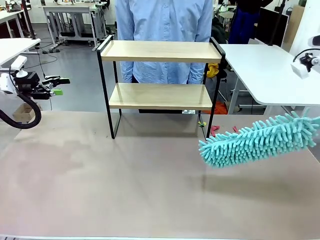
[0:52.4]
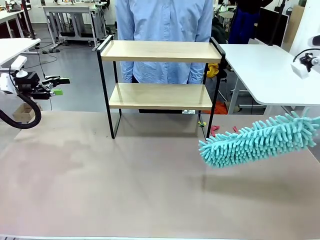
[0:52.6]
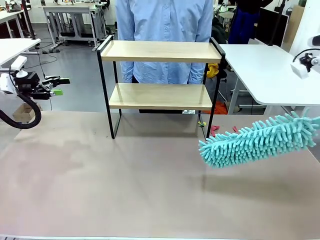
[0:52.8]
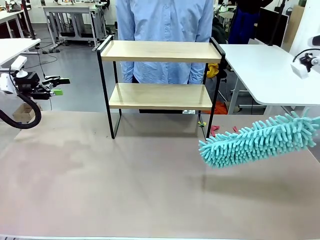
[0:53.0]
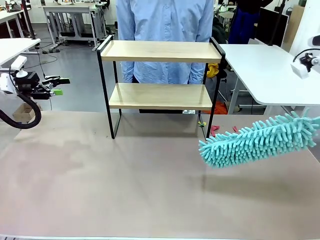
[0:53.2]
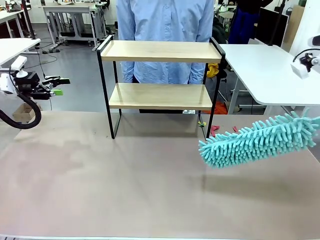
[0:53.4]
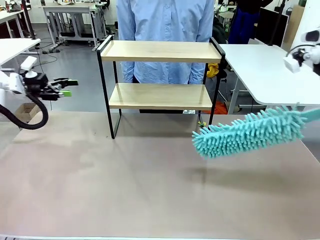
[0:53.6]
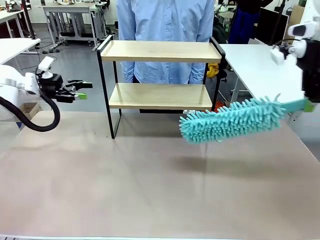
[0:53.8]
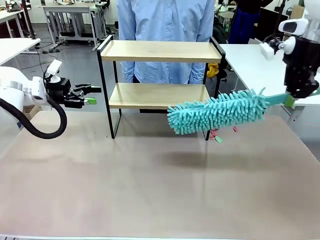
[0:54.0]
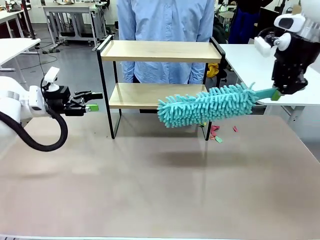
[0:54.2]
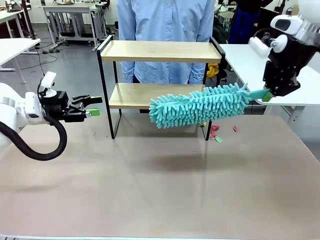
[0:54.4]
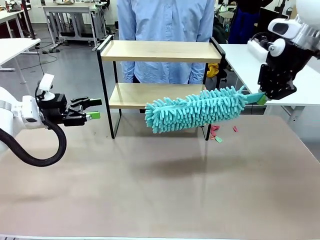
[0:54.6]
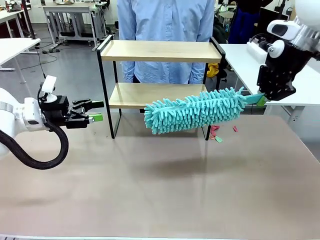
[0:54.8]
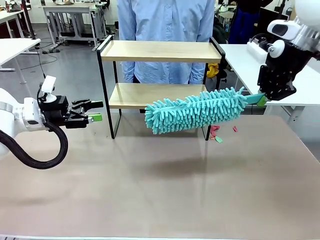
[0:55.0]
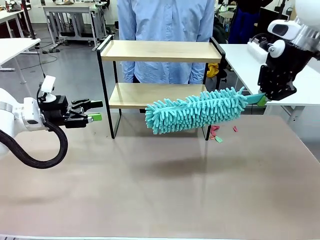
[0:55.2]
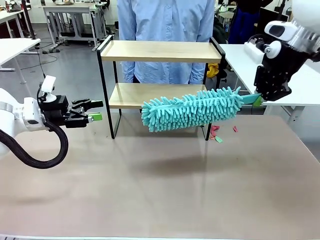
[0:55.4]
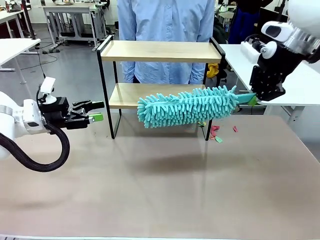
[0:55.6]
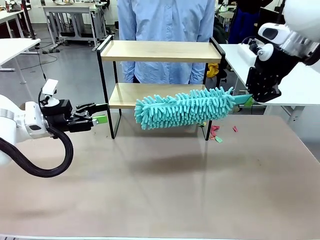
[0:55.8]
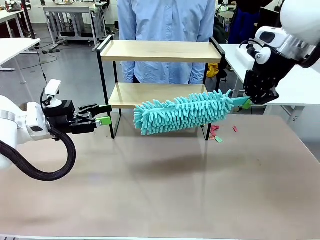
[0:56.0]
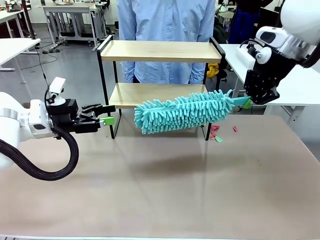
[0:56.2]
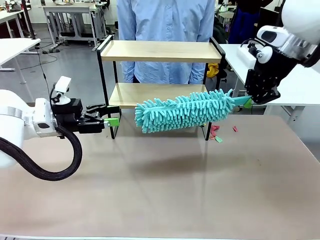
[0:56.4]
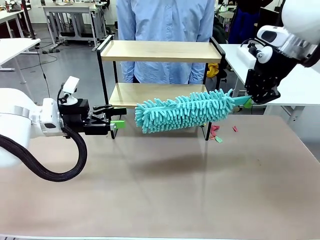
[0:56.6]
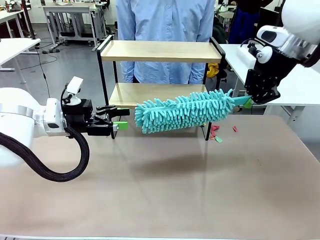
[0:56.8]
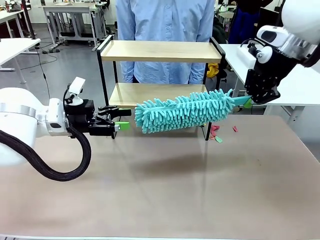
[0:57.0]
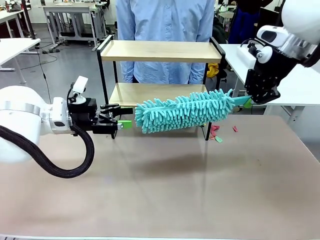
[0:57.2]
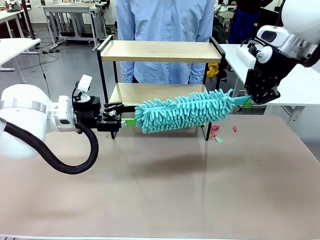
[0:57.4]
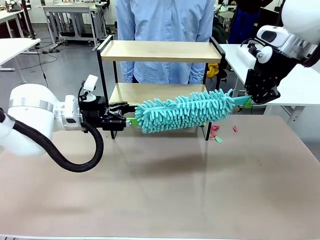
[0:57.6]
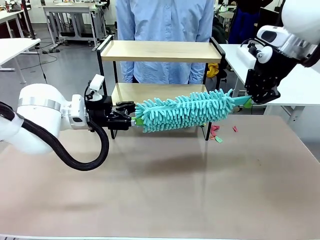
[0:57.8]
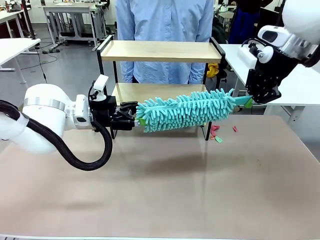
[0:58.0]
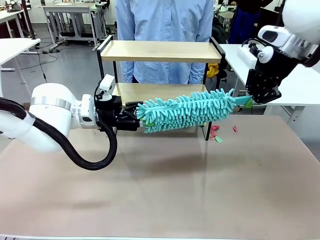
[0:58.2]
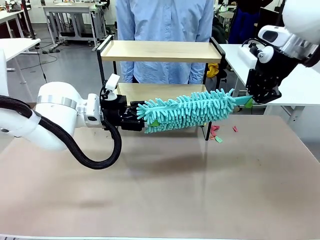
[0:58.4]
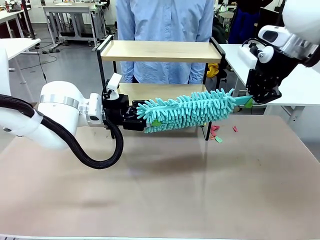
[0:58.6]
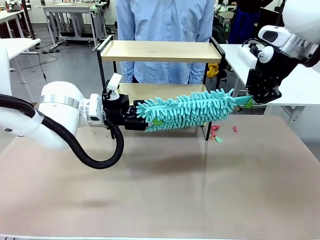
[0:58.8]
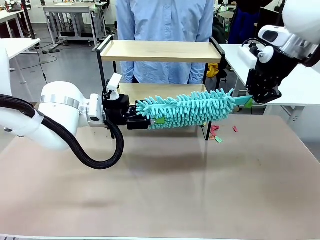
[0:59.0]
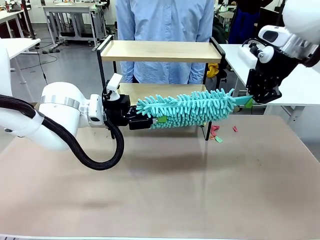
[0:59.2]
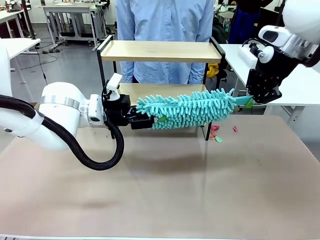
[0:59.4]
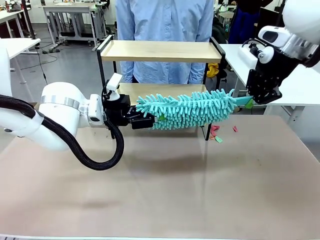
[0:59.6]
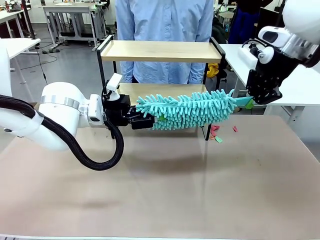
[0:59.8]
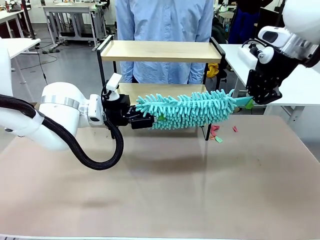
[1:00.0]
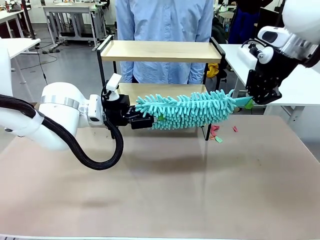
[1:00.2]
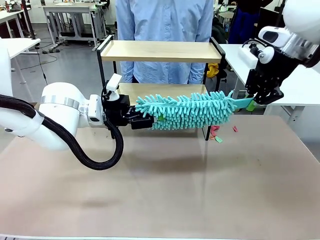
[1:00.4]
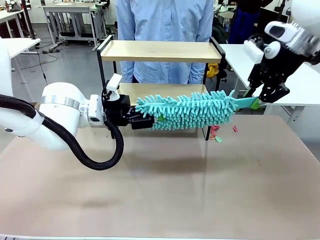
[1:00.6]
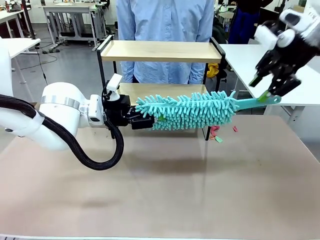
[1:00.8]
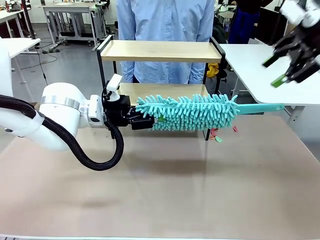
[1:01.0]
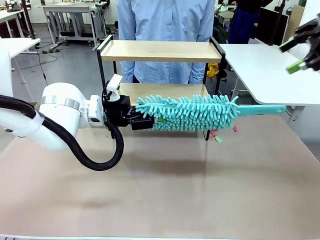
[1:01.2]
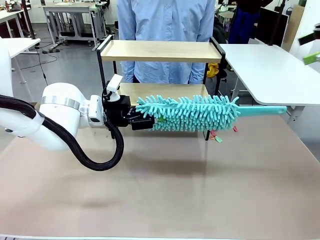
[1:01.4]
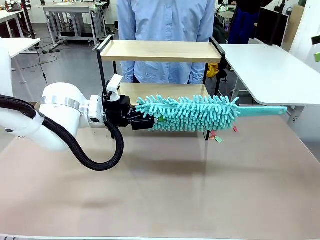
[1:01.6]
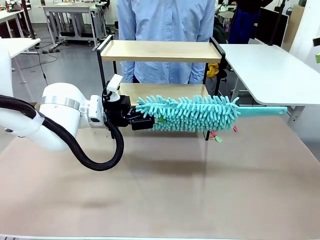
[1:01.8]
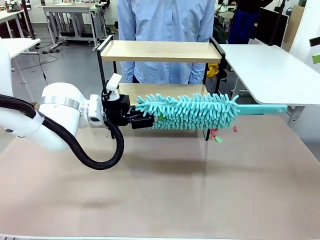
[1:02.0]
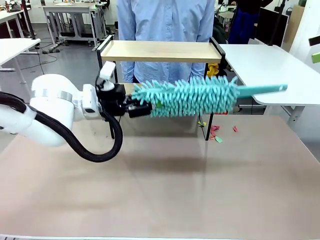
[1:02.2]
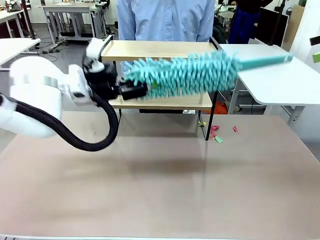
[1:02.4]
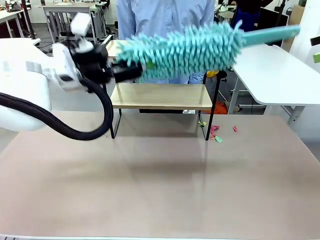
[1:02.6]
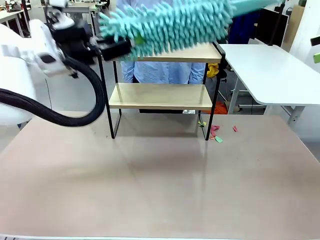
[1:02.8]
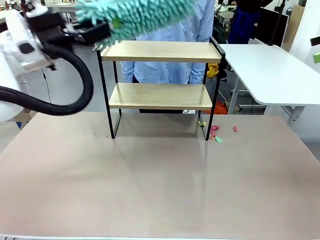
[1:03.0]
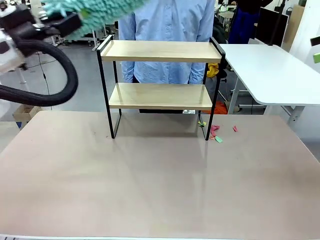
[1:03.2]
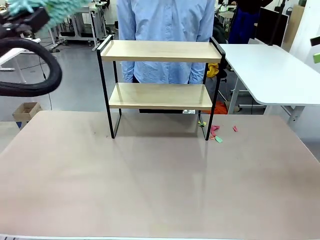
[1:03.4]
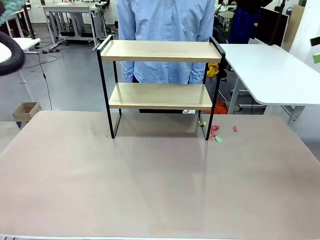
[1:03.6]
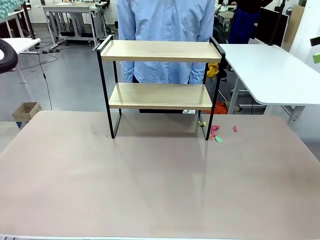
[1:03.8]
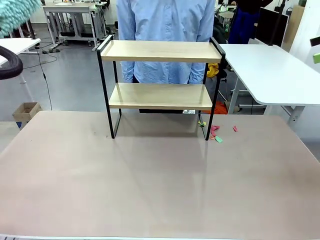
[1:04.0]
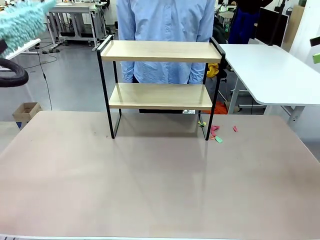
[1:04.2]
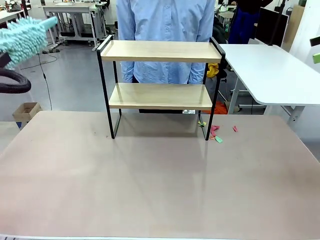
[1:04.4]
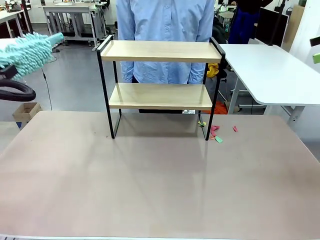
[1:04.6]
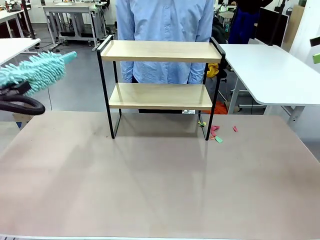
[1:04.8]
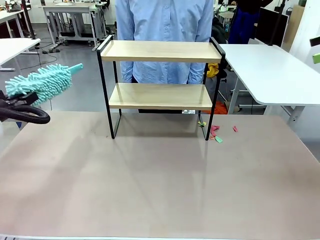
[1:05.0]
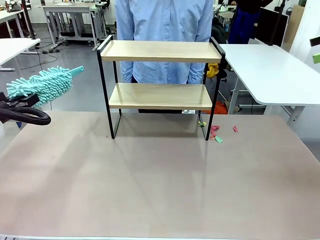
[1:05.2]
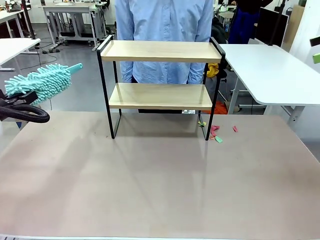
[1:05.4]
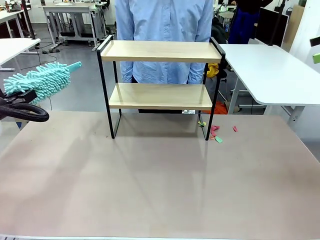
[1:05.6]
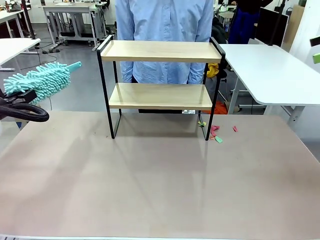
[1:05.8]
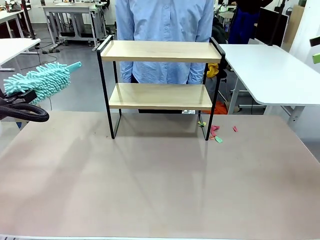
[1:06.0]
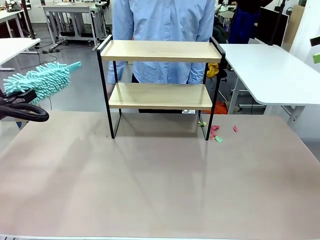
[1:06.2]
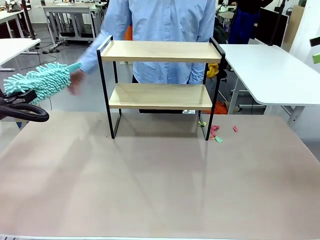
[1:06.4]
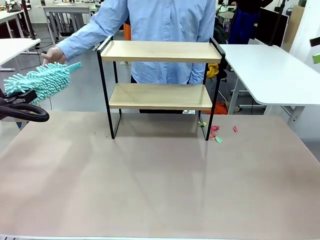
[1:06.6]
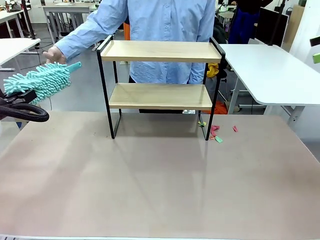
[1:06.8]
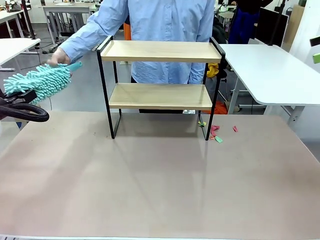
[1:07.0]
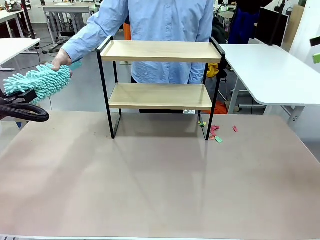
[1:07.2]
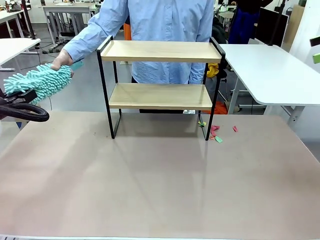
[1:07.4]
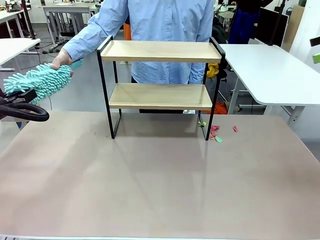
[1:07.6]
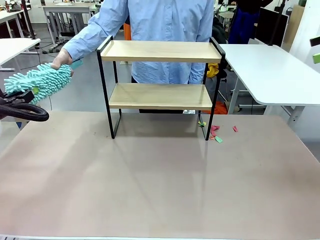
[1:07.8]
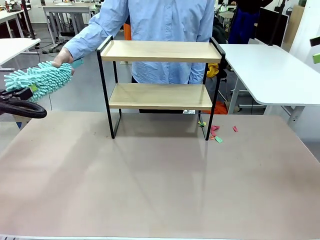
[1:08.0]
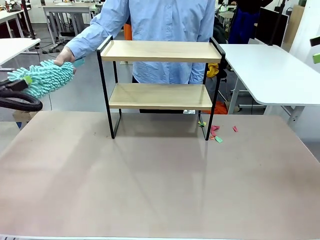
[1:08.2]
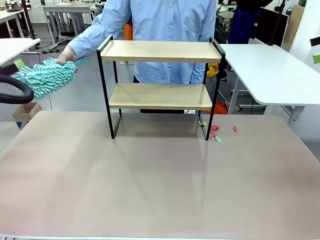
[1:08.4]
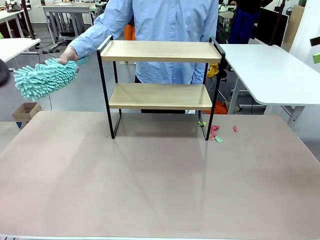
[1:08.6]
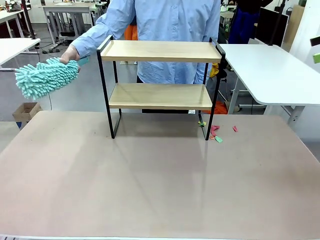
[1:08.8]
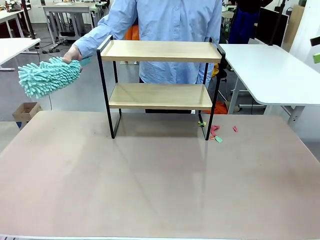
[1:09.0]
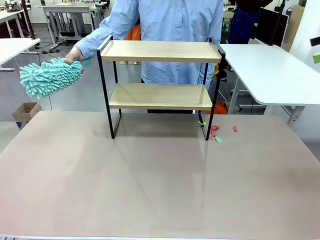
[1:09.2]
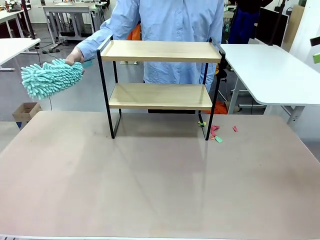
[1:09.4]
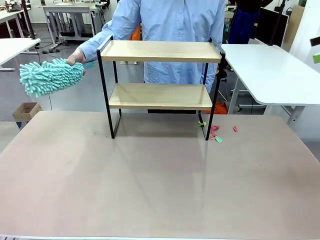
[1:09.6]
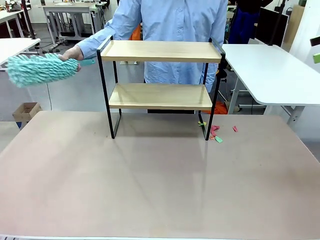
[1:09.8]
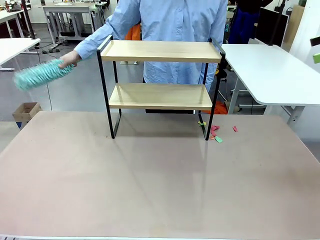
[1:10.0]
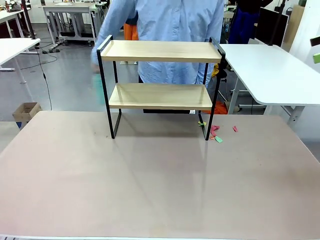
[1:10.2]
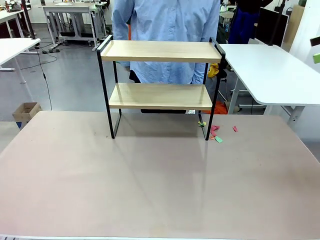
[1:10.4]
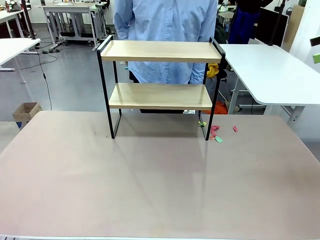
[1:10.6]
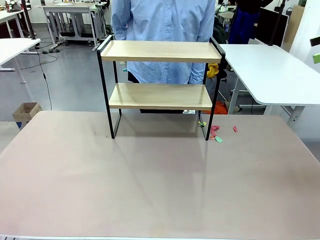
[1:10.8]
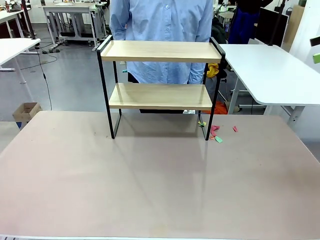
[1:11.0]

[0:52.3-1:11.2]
Task: Clean the shelf.
Robot: Hand the Duster back to the human.
Person: Receive the Duster from the robot.
